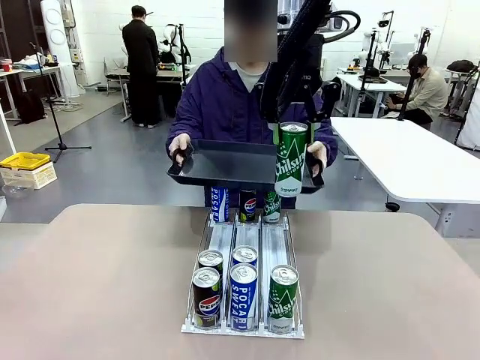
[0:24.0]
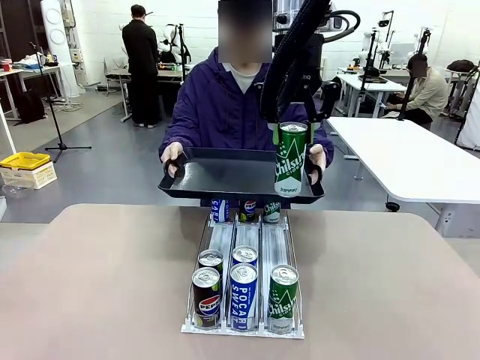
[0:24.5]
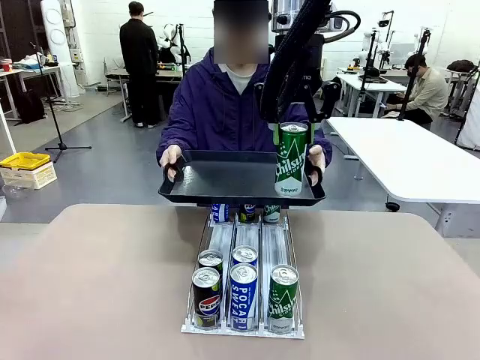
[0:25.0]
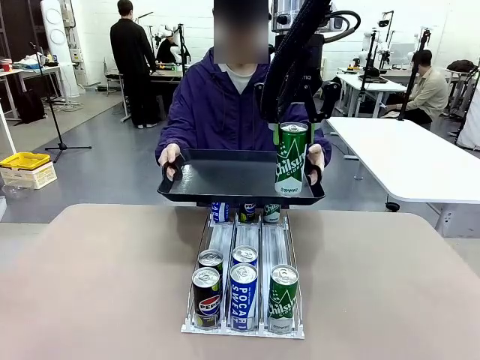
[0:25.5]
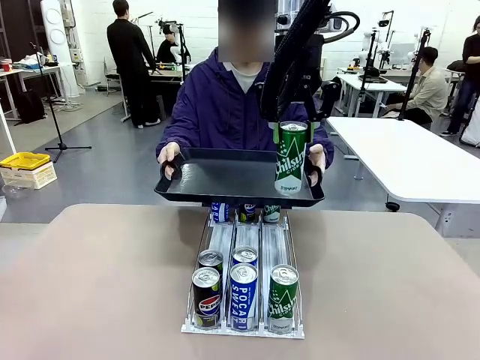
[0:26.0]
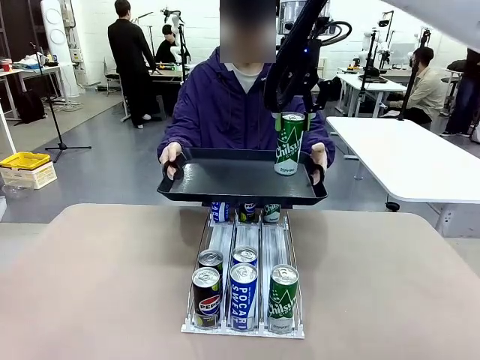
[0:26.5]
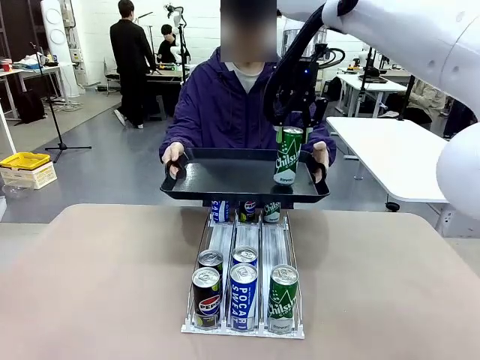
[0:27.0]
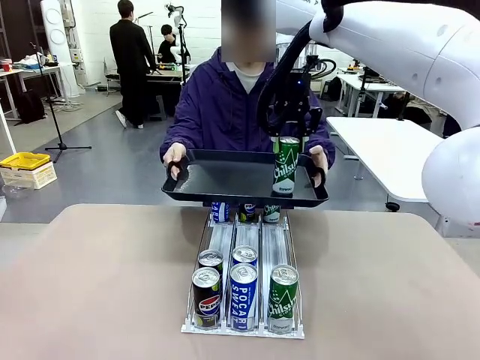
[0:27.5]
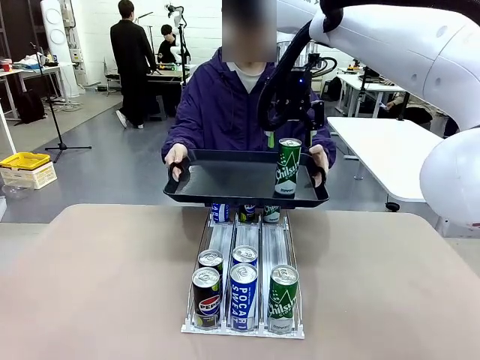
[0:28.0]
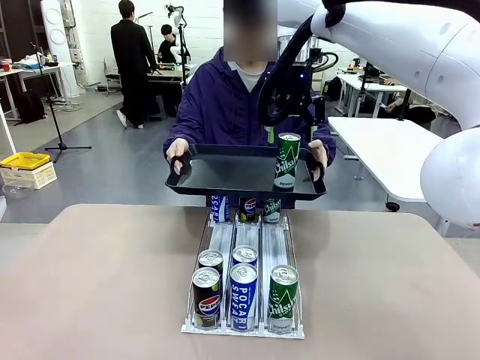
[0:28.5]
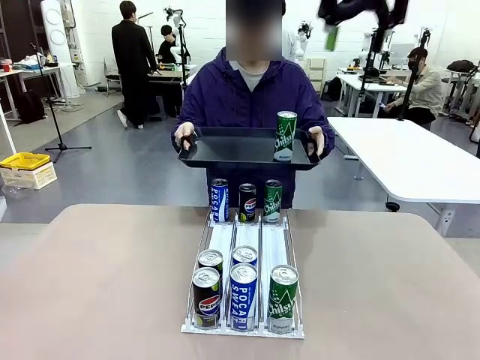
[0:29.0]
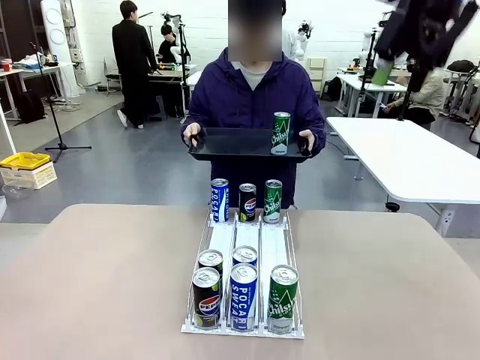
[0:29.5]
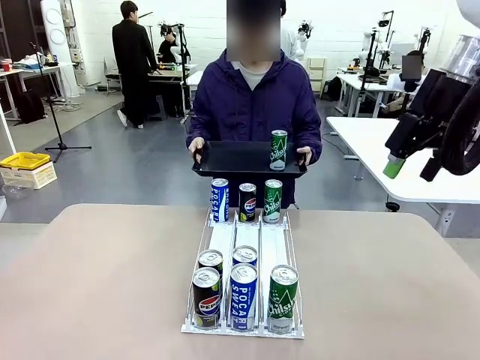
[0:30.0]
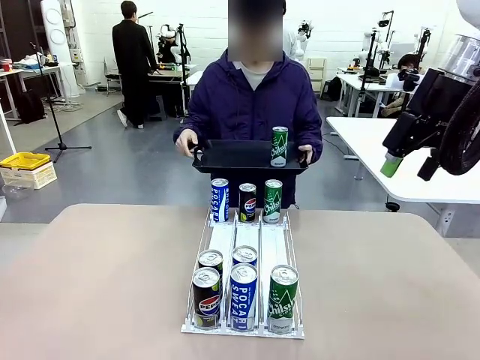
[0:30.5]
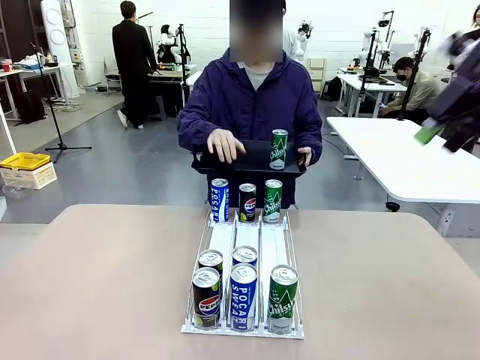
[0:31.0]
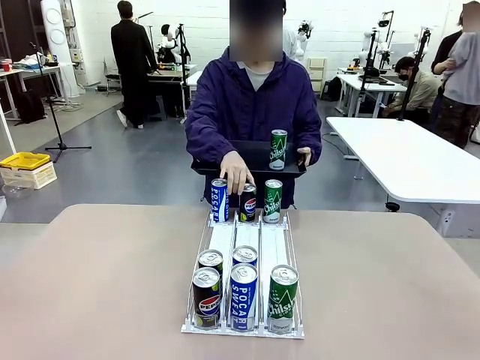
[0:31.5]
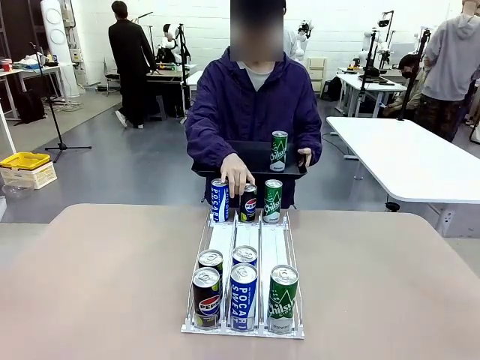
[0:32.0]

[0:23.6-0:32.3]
Task: Retrieve and hand over the desired beverage to the person.
Robot: Place the picked can on the Handle tray extended by the person.
Person: Pull the tray back, then pick up another can from the bottom area of the table and puts it back in its original place.

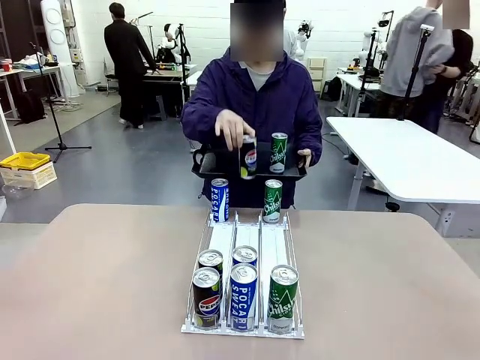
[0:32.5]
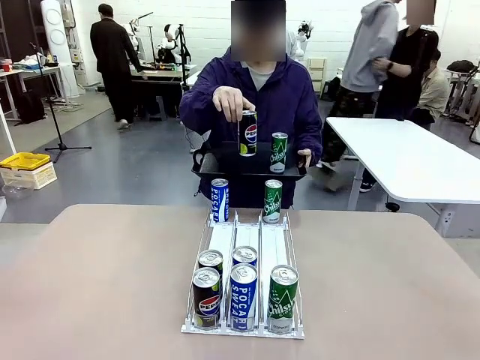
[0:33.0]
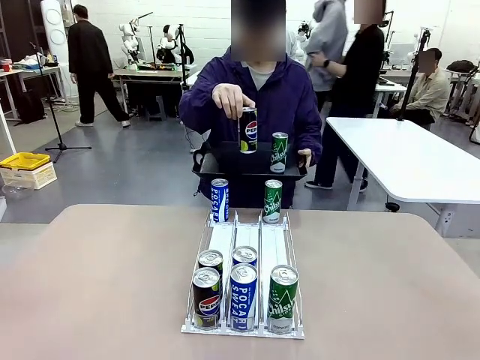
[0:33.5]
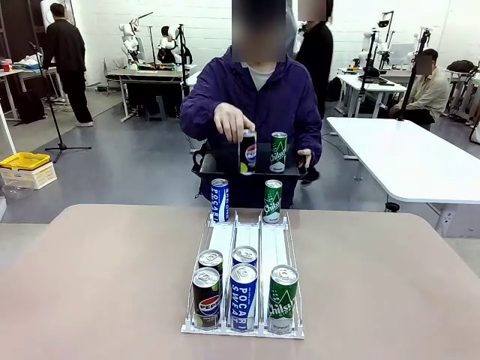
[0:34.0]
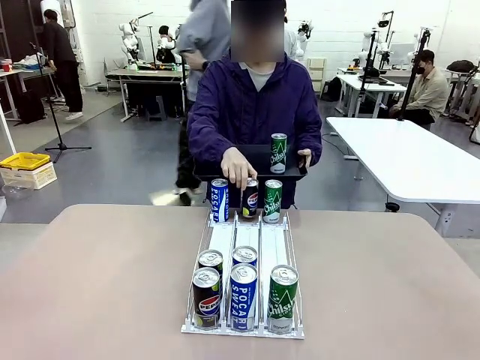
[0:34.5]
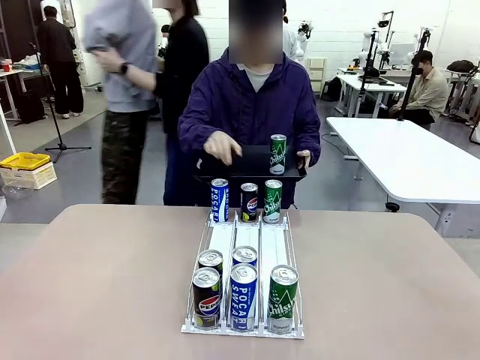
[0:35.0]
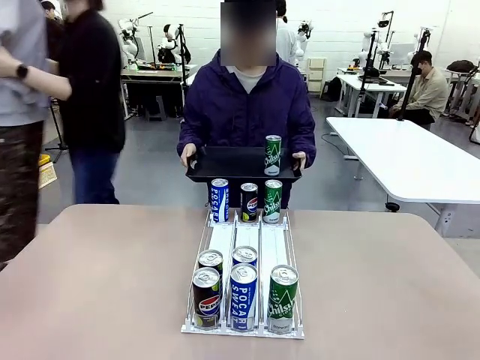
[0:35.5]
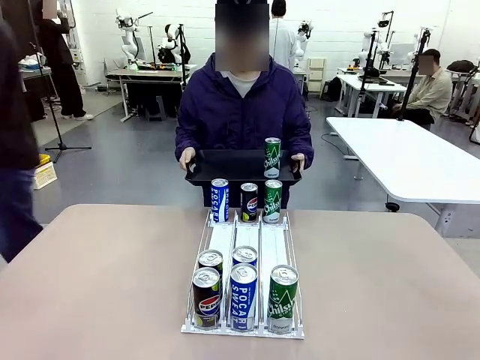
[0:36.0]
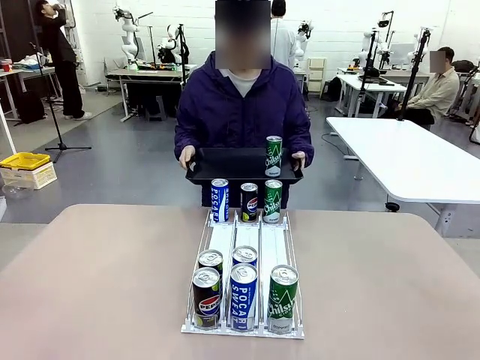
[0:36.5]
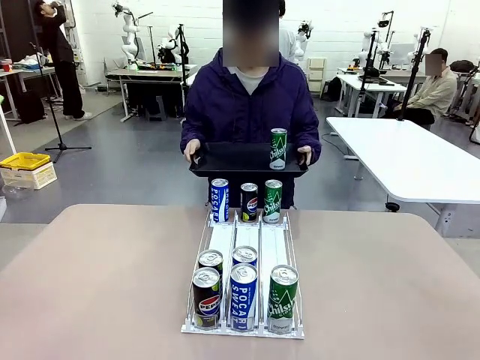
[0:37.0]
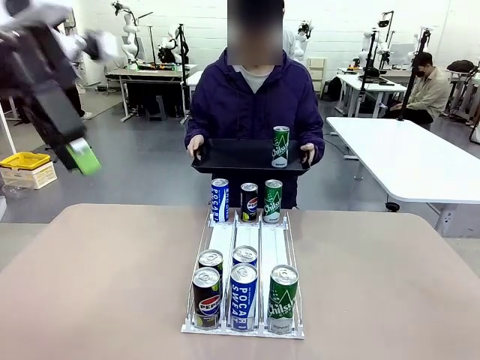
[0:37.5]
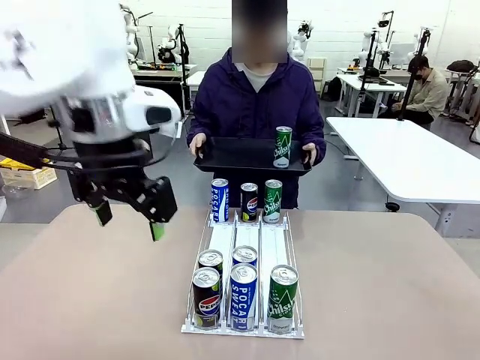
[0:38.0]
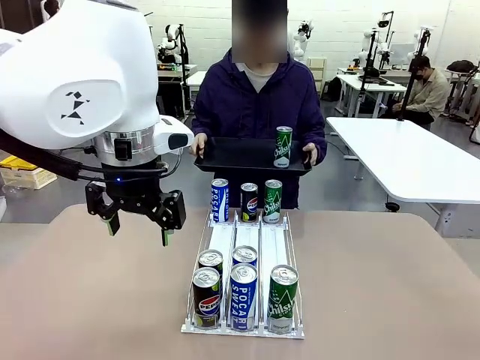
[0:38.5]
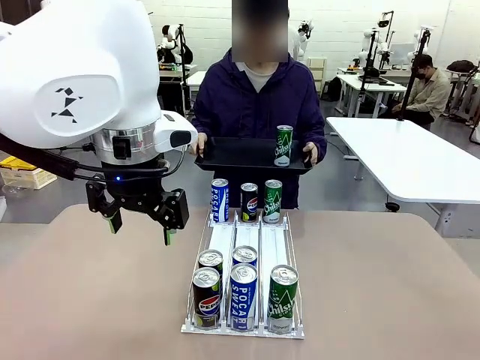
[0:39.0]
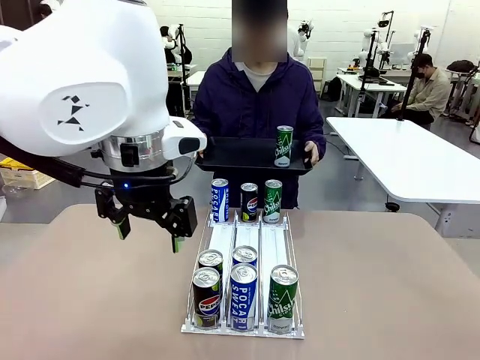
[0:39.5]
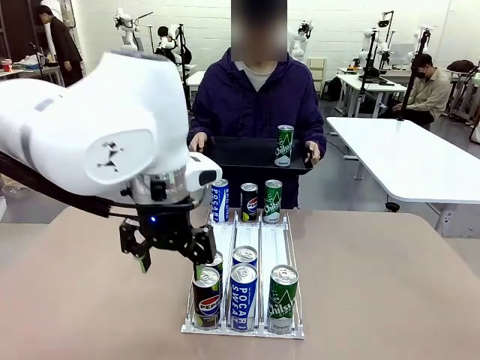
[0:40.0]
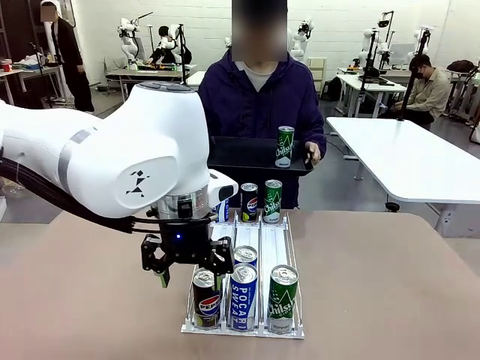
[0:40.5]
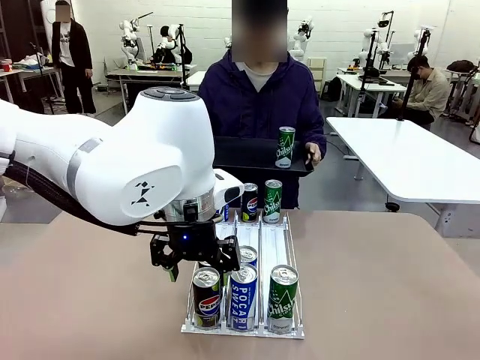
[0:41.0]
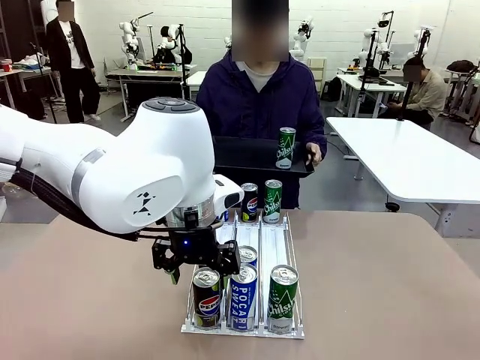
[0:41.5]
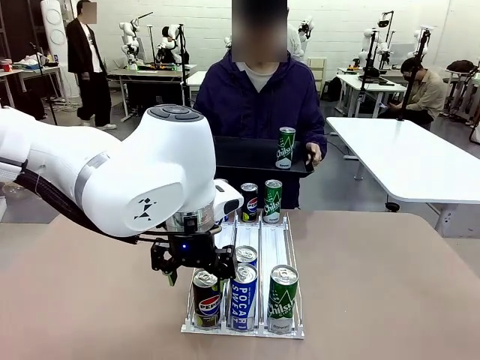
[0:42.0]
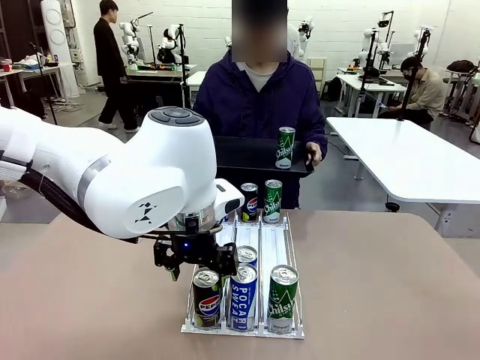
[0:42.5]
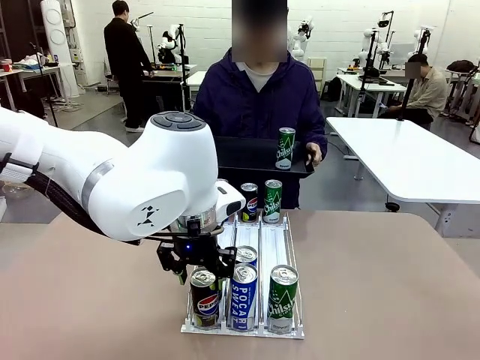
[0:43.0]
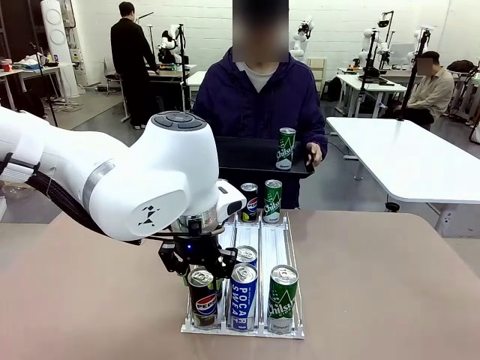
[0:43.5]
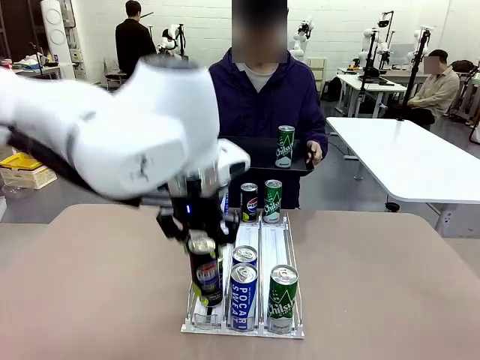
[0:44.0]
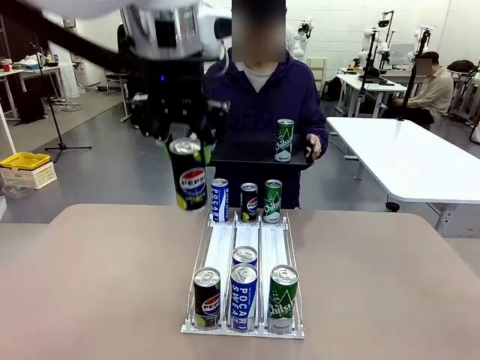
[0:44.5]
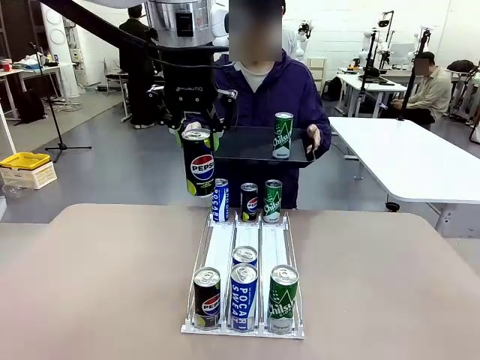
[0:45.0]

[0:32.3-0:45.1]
Robot: Pick up another can of the same type that the person held from the Automatic Can Dispenser.
Person: Push the tray toward the robot again.

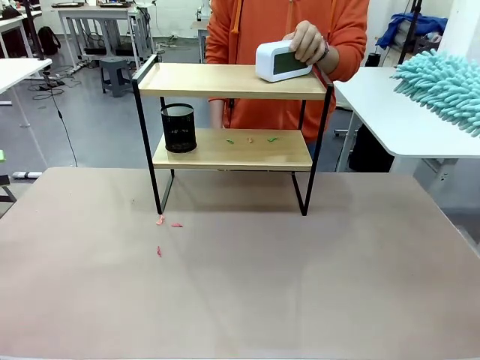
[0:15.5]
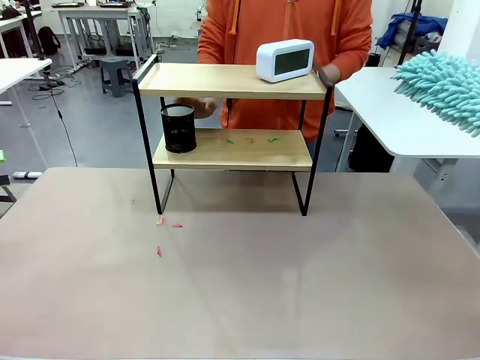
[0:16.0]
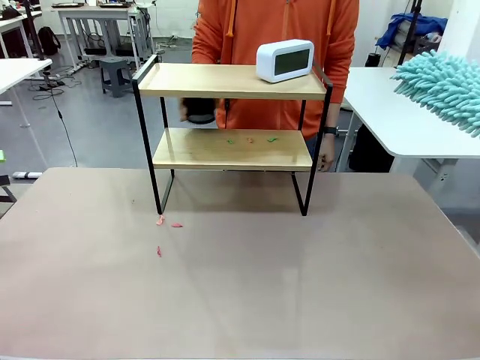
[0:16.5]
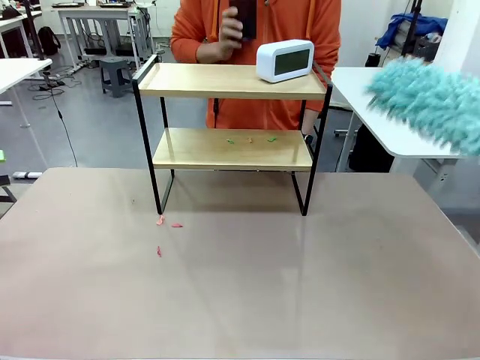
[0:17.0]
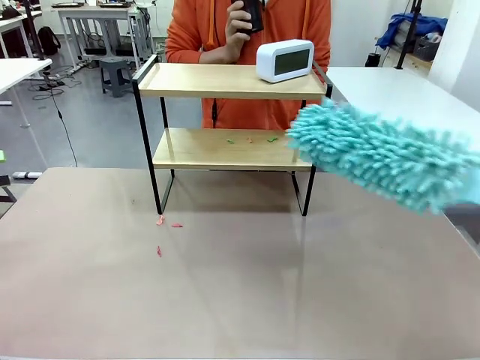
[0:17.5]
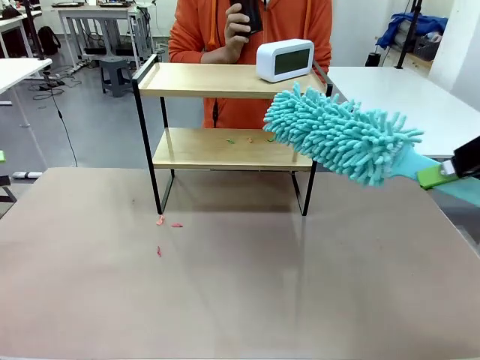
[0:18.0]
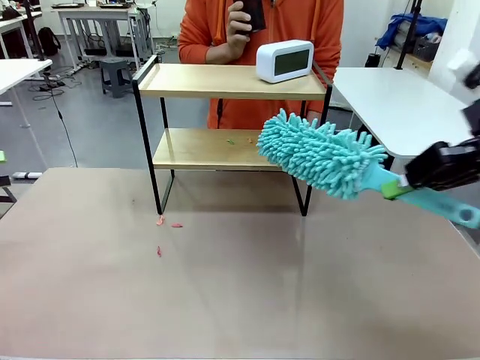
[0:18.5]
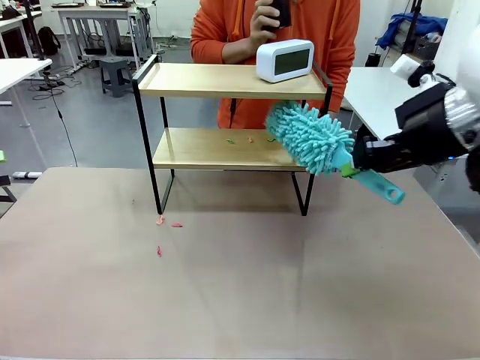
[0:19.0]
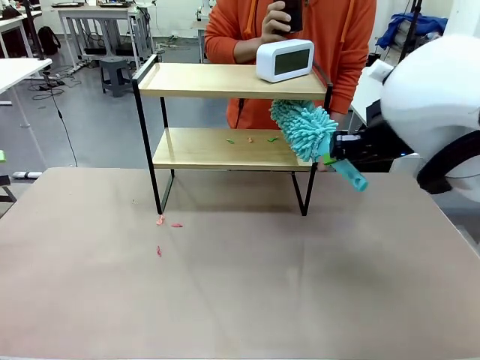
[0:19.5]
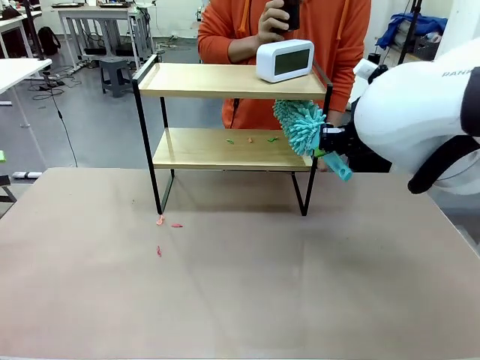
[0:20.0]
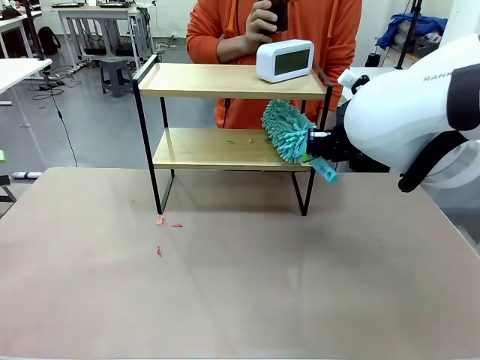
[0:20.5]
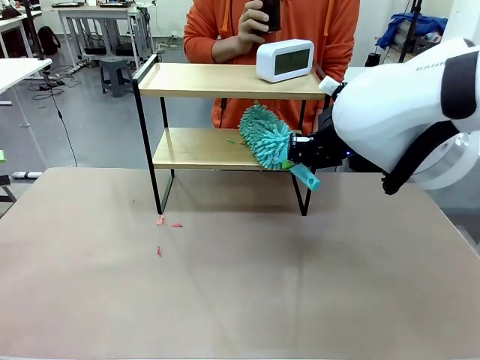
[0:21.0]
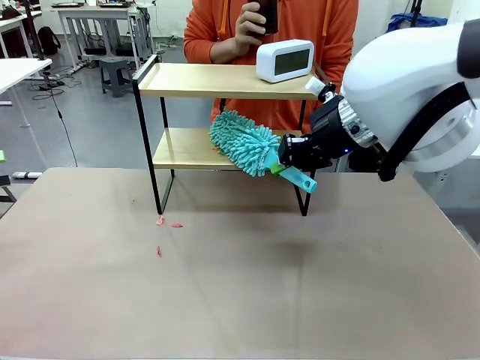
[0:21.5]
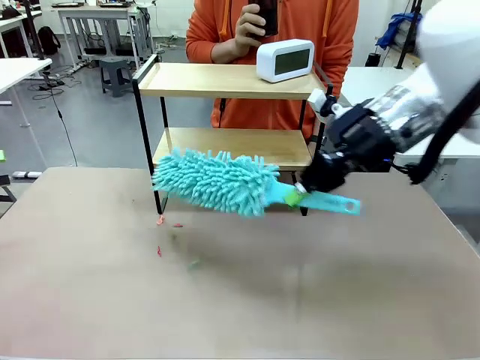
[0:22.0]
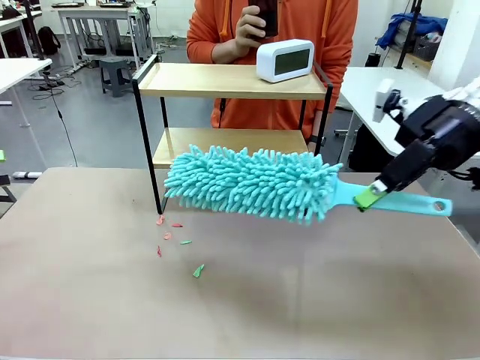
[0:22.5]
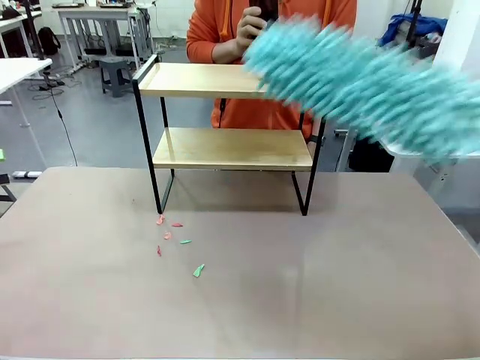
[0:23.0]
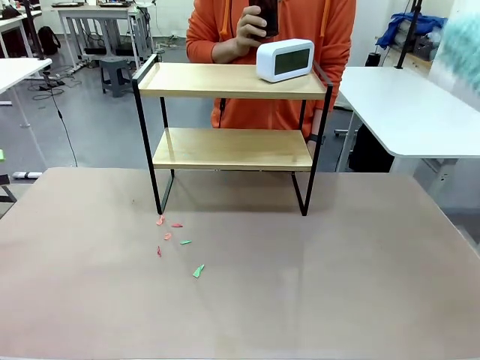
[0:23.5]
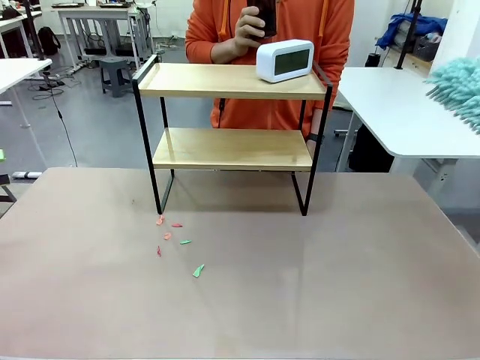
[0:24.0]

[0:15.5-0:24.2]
Task: Clean the shelf.
Robot: Clean the remaining tier of the Shelf with the Duster once objects are removed.
